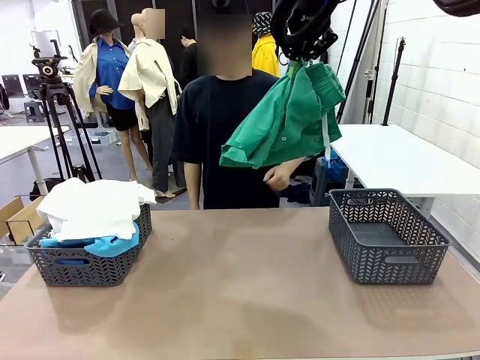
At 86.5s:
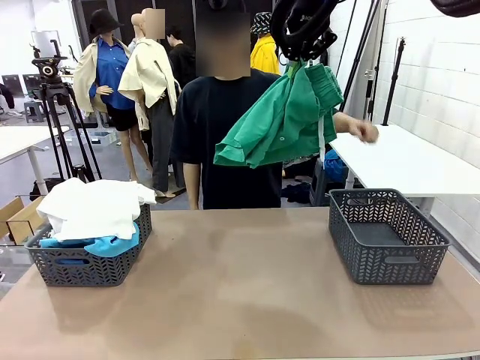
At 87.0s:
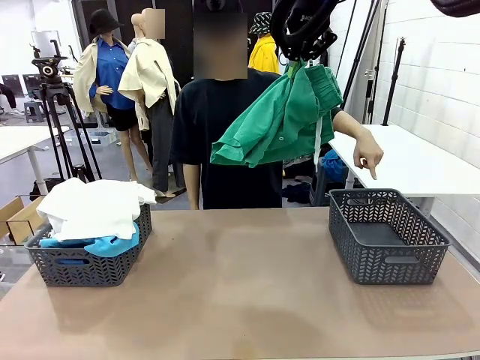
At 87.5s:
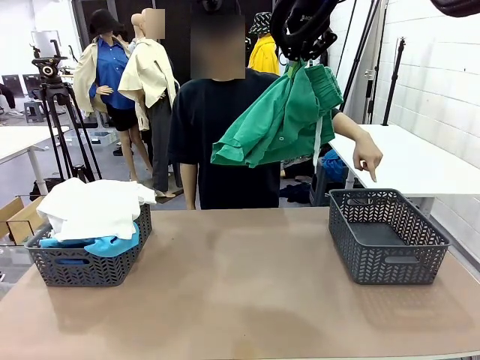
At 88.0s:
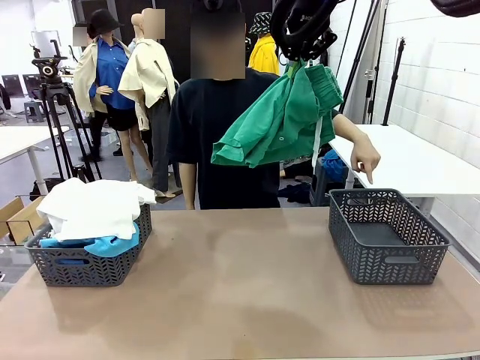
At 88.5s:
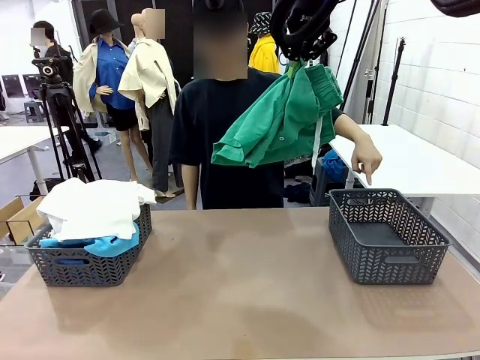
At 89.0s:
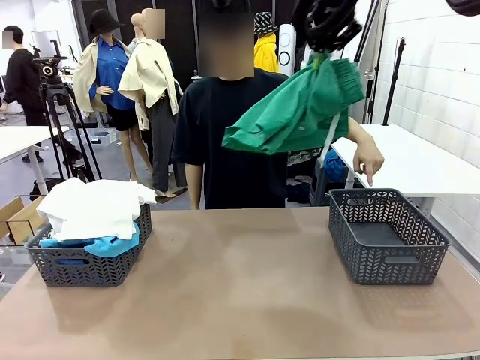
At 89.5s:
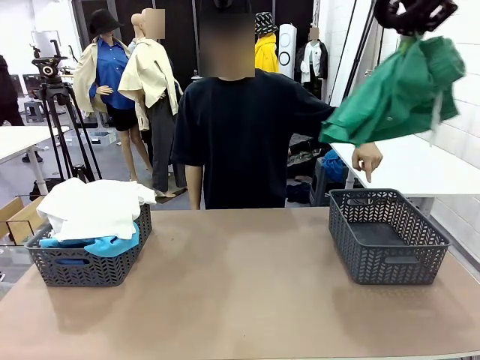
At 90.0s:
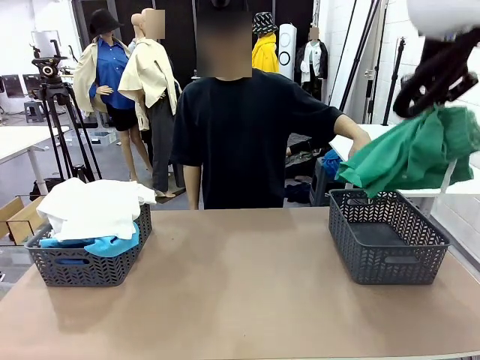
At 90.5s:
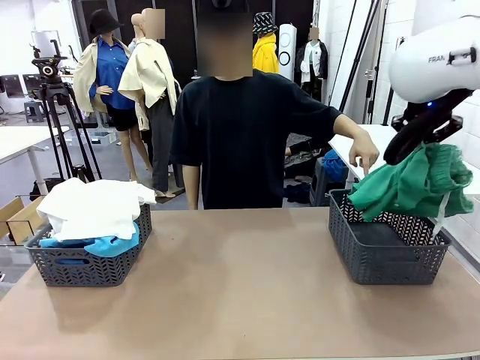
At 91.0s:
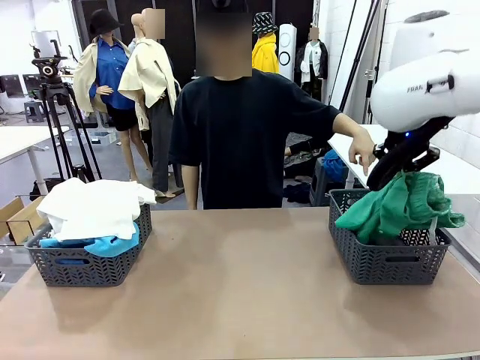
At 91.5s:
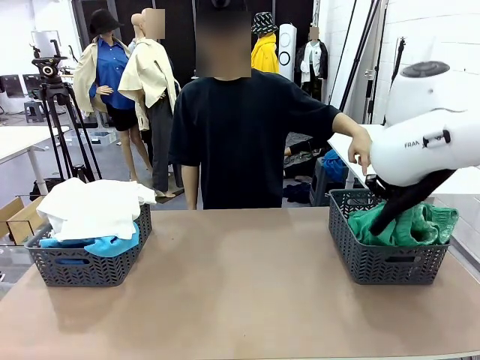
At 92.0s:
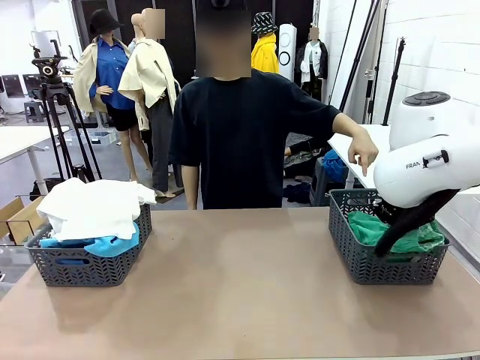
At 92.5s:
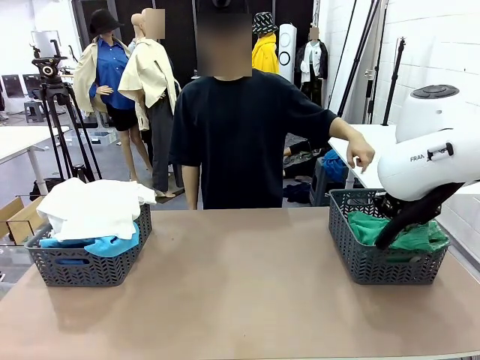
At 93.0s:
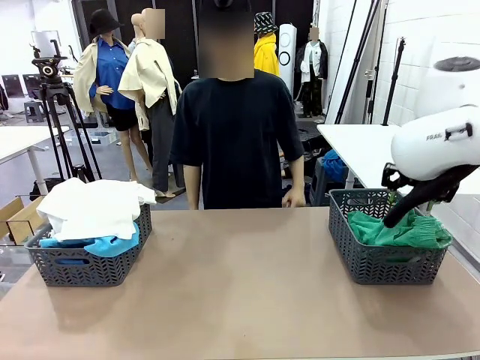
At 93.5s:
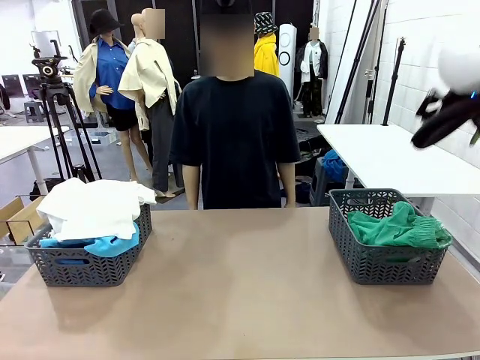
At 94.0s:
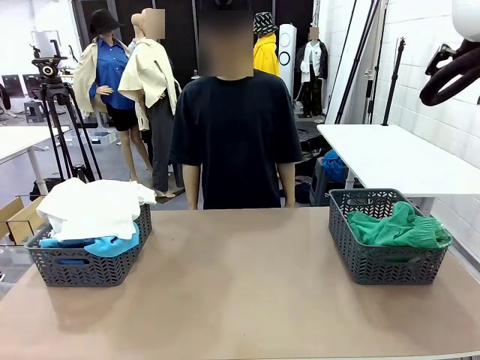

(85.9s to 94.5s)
Task: Sort the tops and bottoms.
Robot: Sort the clothes according to human instructions.

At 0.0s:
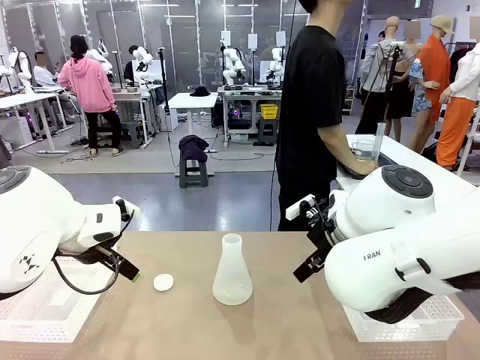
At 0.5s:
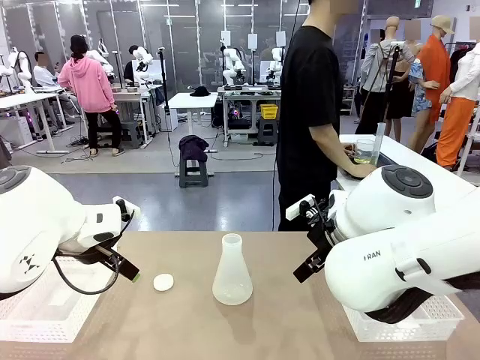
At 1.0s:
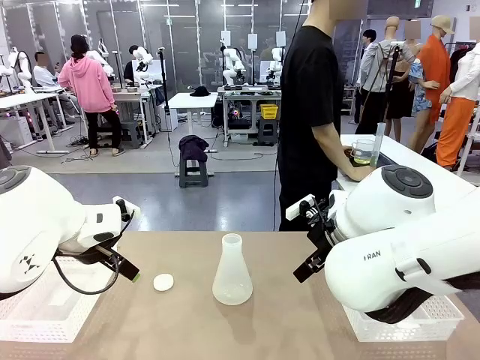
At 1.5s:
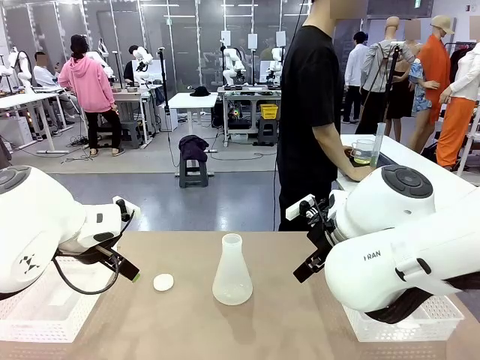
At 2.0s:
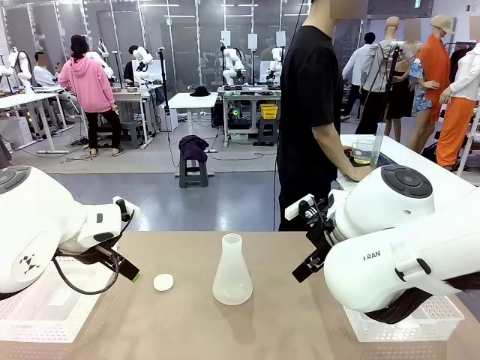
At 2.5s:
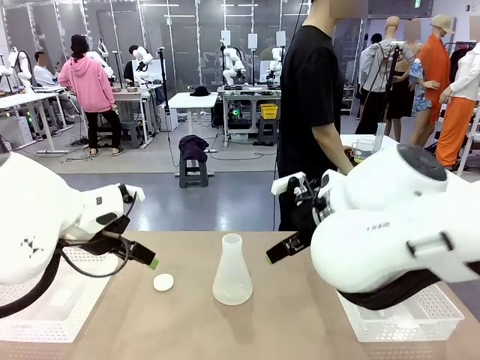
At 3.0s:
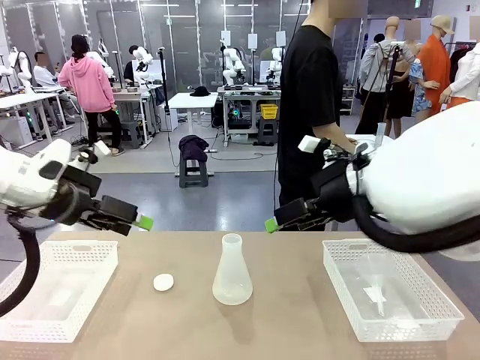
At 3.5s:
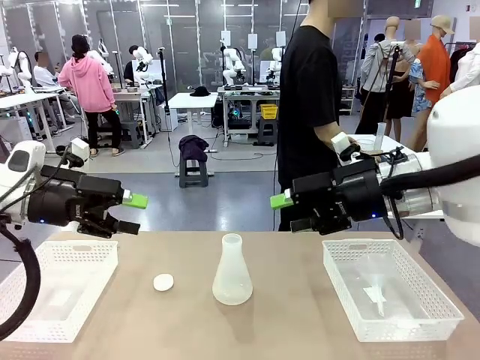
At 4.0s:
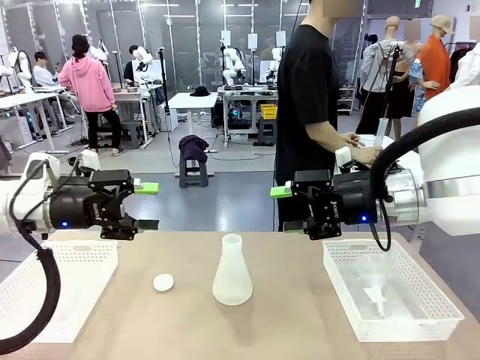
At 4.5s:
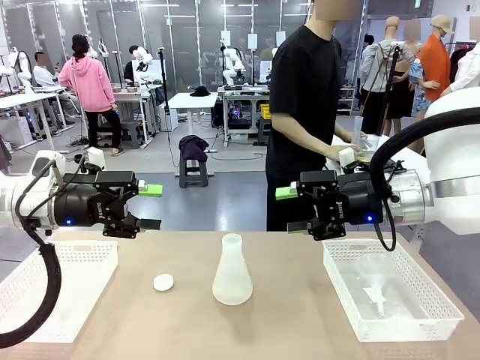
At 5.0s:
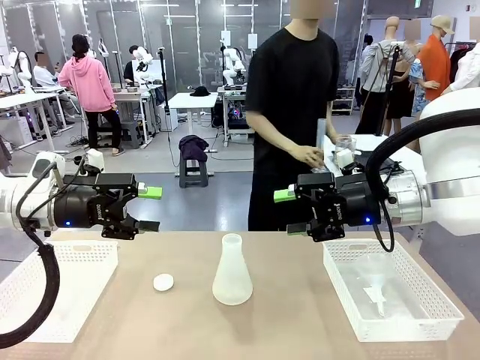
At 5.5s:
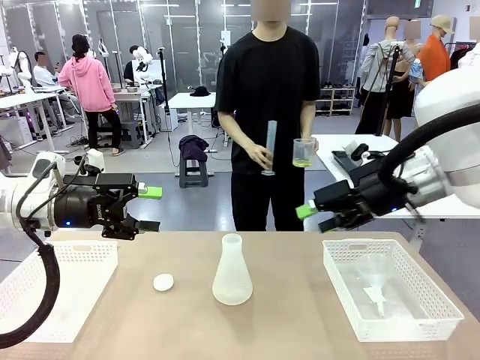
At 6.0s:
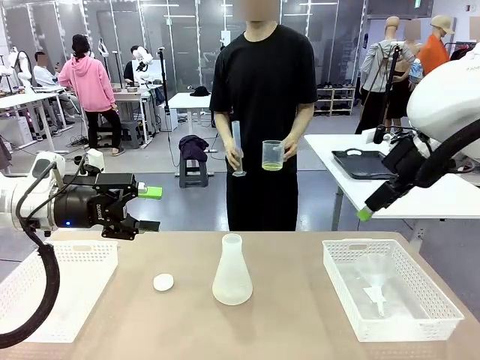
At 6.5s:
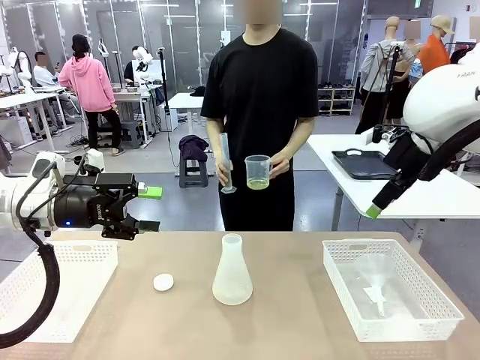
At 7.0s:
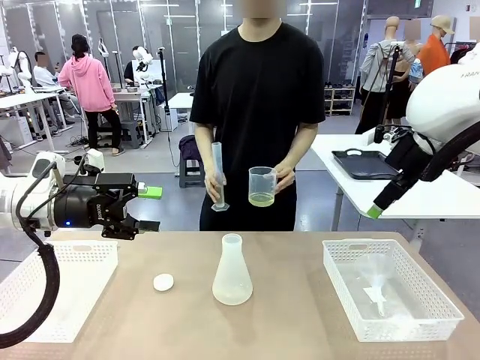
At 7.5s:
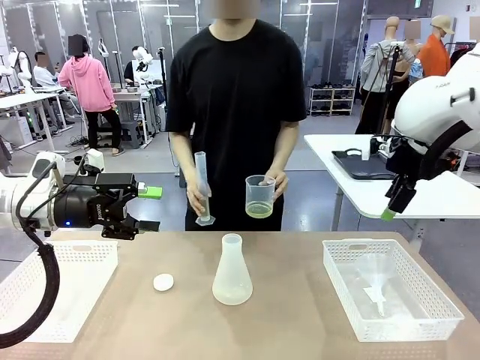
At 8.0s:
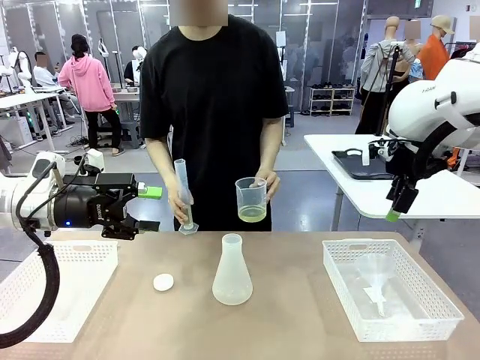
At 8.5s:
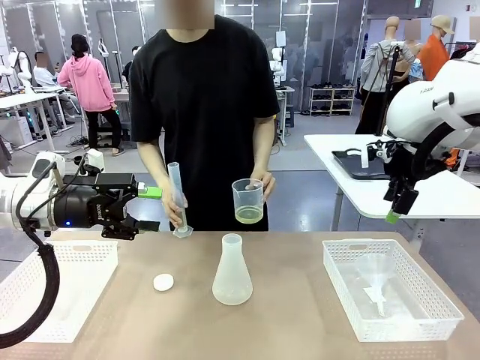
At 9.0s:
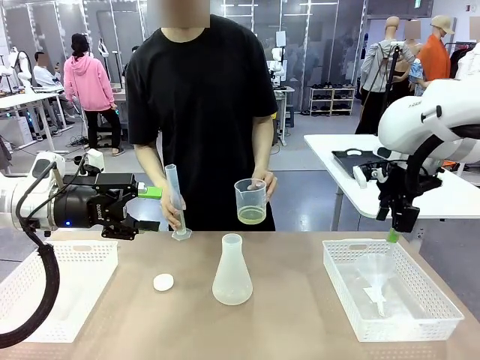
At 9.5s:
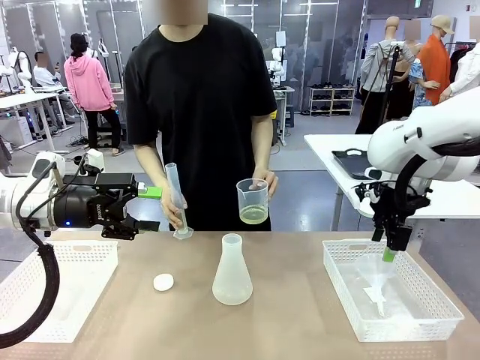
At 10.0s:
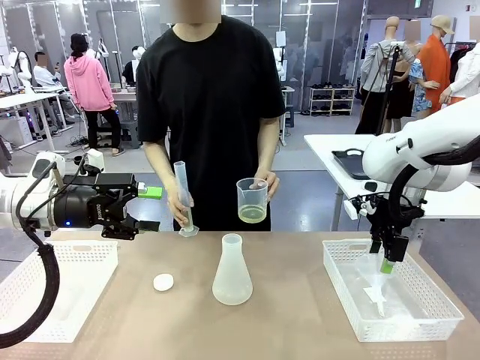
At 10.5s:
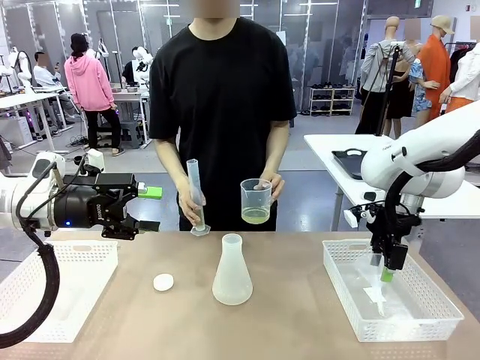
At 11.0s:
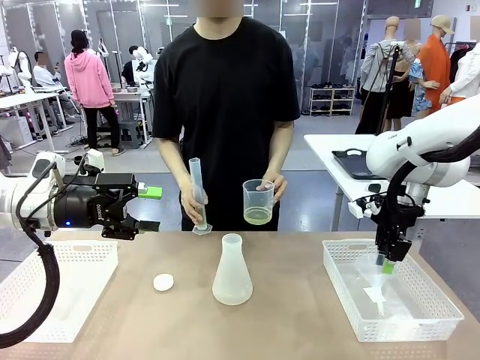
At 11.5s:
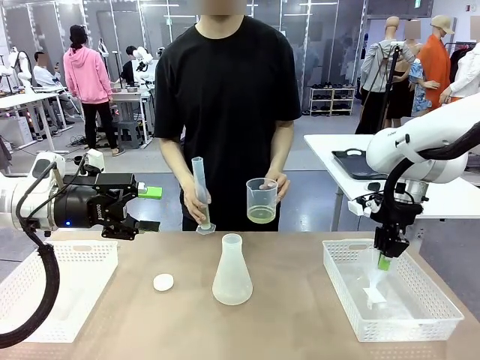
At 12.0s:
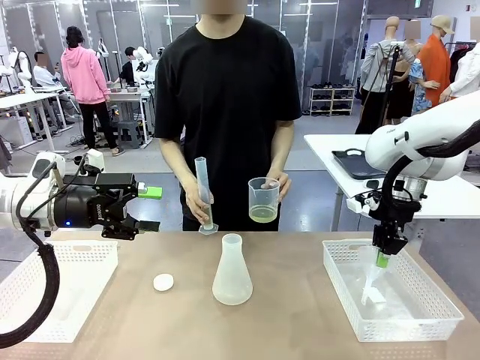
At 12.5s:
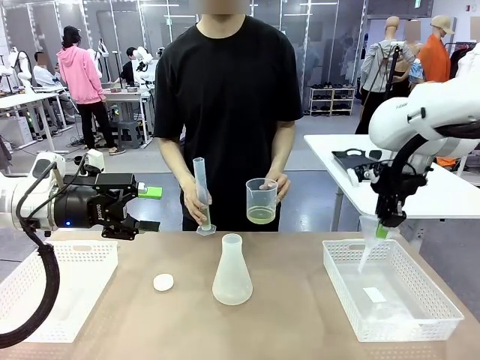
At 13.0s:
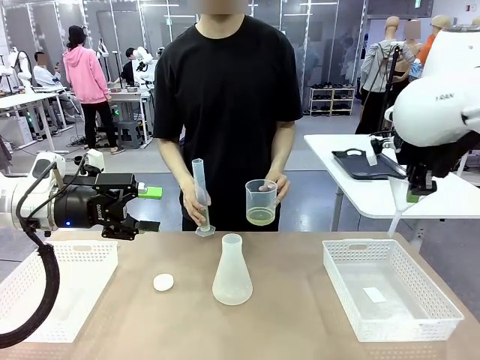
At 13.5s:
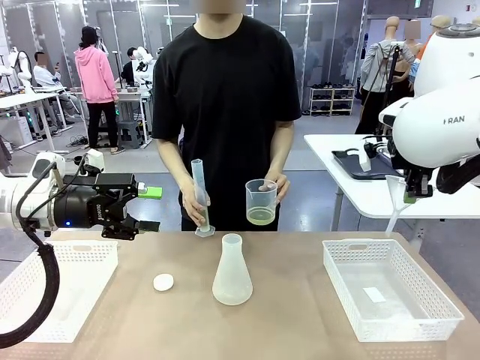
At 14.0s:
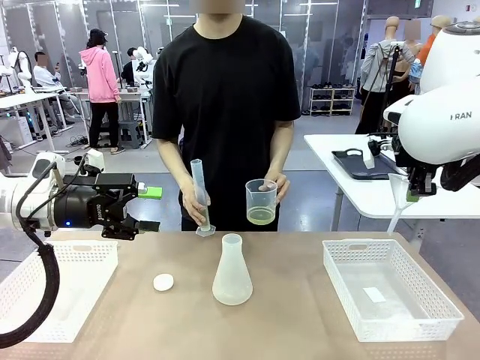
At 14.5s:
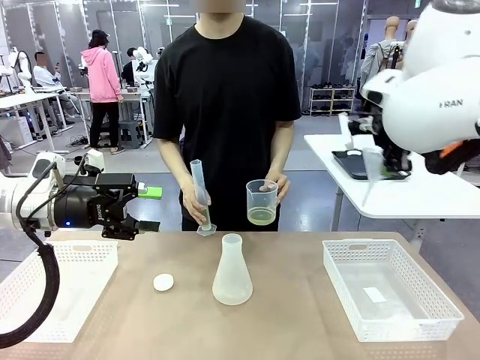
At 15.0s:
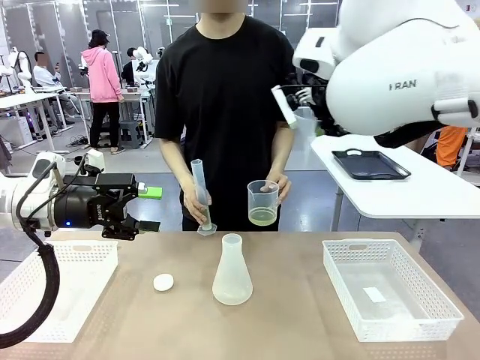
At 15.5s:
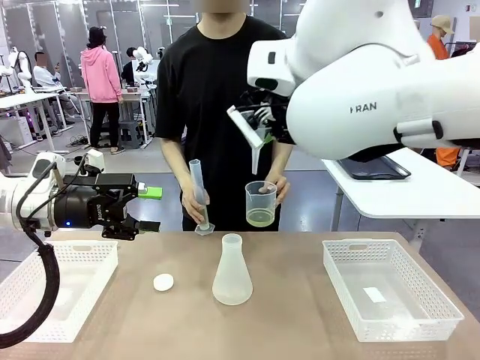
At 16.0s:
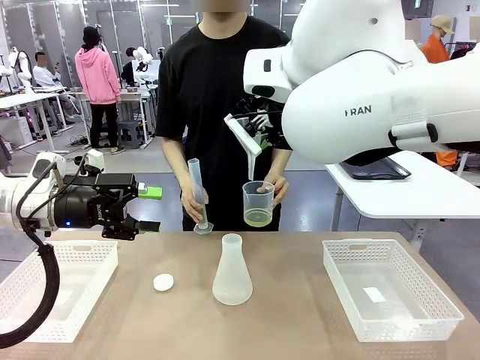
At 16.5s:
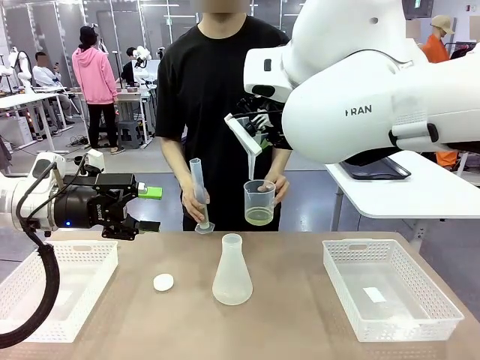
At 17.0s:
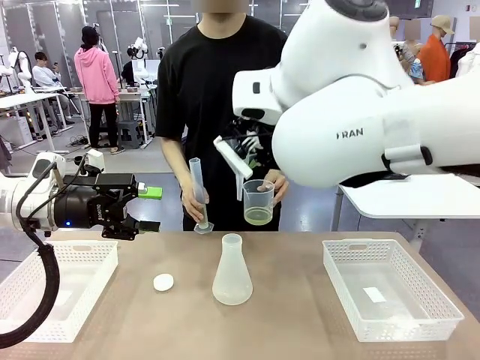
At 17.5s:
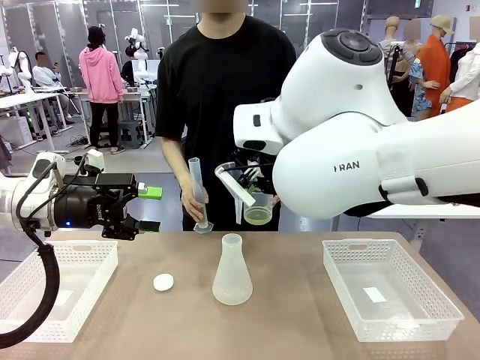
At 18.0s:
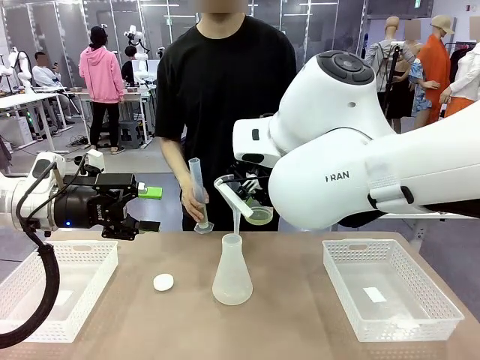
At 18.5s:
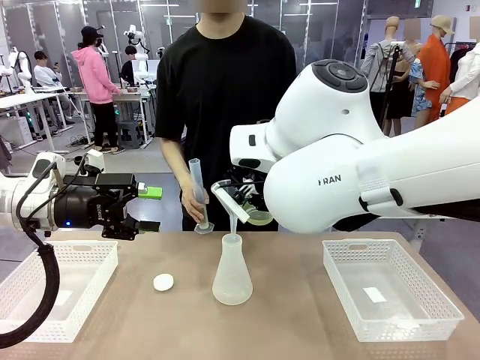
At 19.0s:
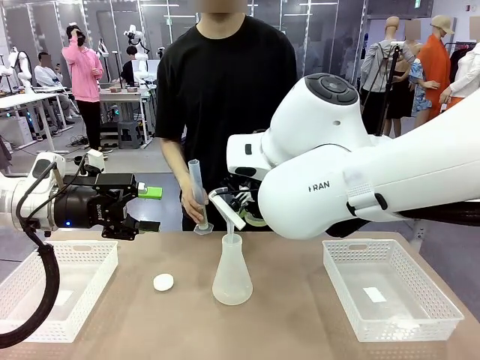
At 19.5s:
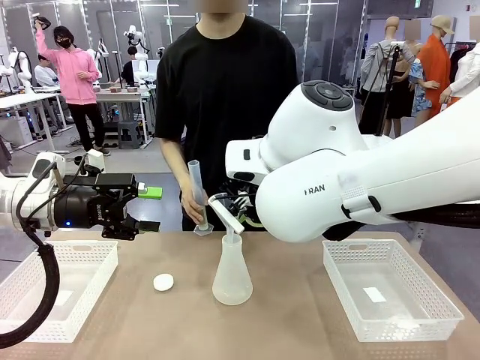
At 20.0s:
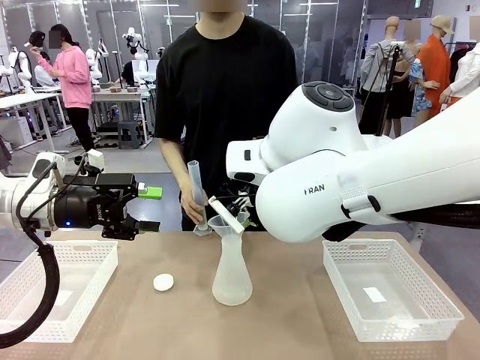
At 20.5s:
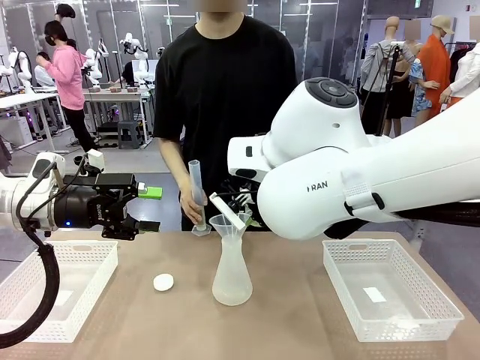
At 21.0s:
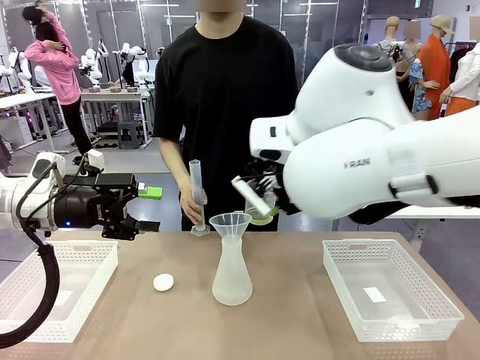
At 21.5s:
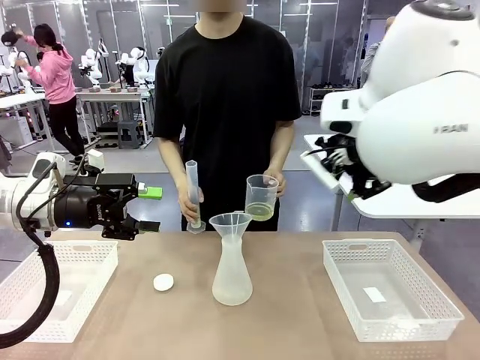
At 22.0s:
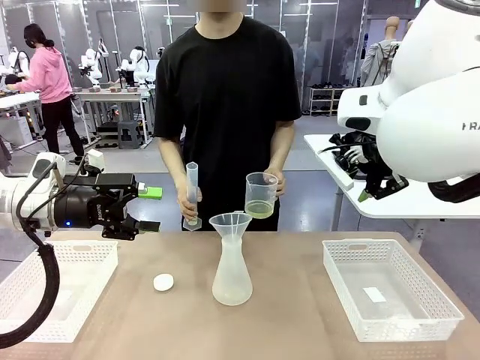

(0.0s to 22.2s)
Task: Prepare the solutions needed for the experiment.
Robot: Pick up the Plastic Funnel and insert it into the Big flask.
Person: Pick up the beaker and the cylinder and move to the middle of the robot table. Pour the solution from the beaker and the cylinder into the flask.
